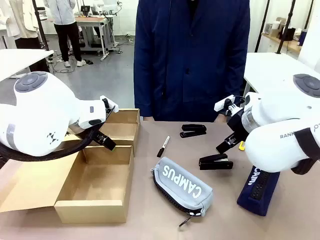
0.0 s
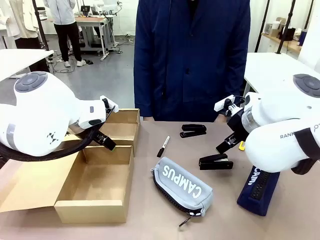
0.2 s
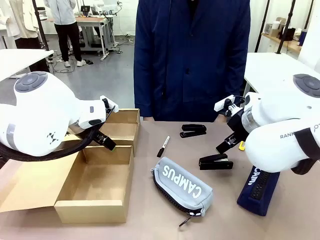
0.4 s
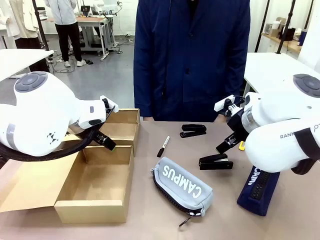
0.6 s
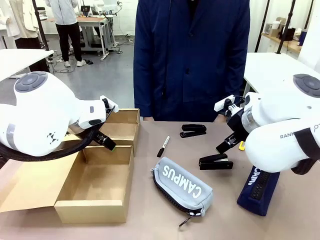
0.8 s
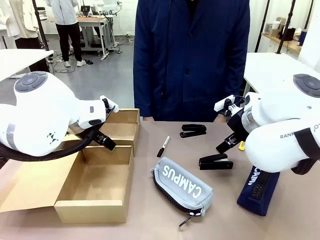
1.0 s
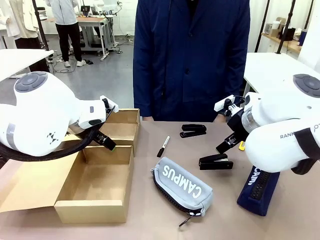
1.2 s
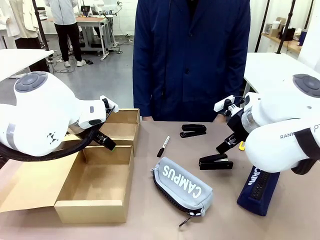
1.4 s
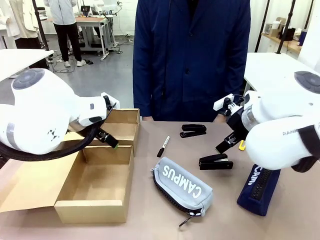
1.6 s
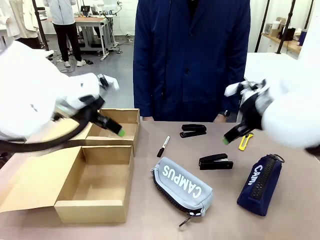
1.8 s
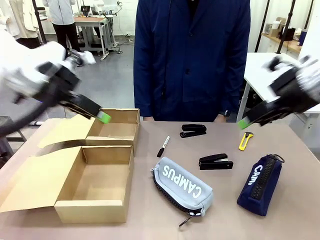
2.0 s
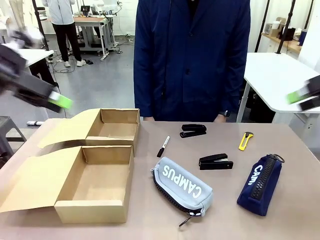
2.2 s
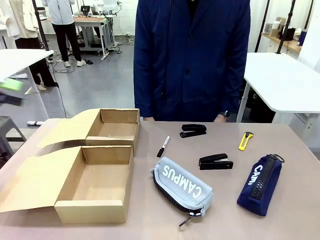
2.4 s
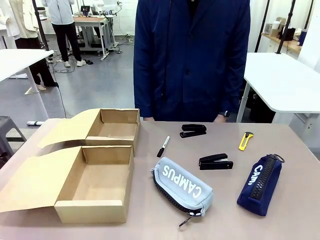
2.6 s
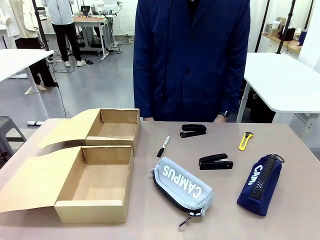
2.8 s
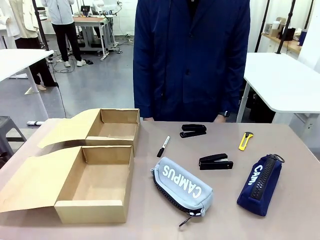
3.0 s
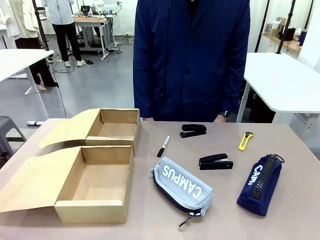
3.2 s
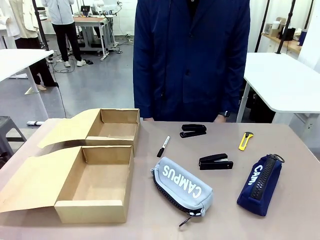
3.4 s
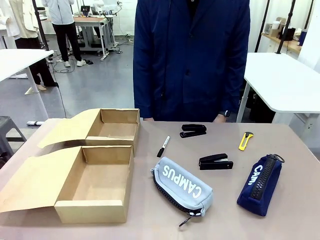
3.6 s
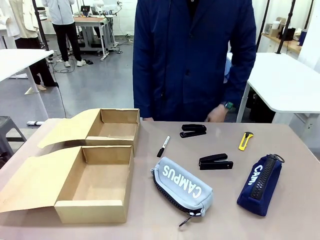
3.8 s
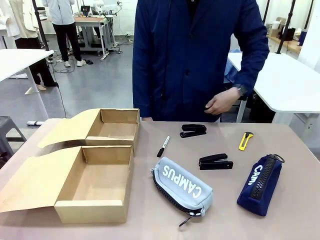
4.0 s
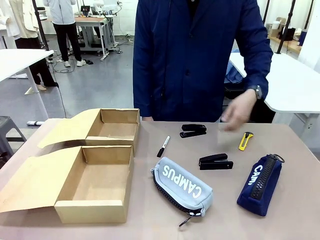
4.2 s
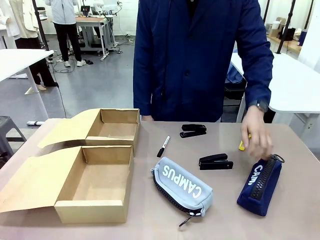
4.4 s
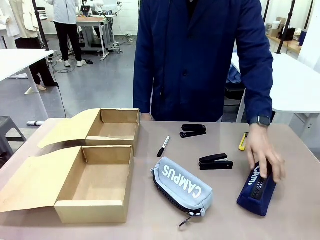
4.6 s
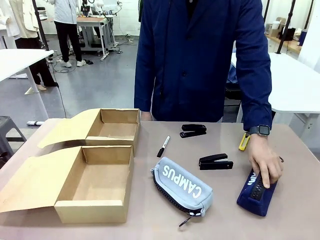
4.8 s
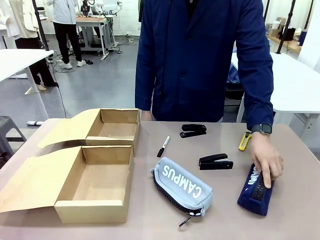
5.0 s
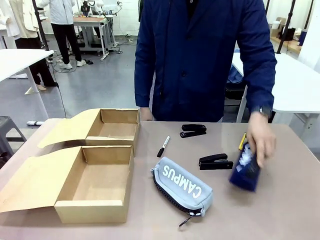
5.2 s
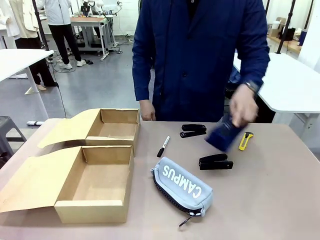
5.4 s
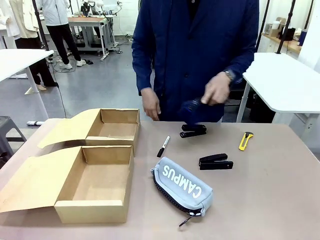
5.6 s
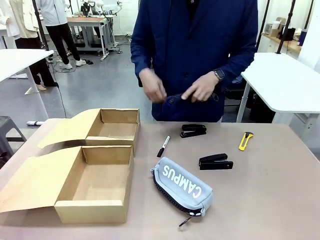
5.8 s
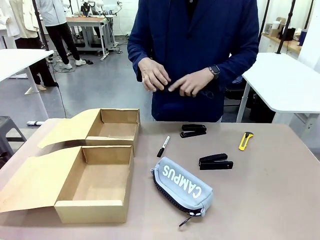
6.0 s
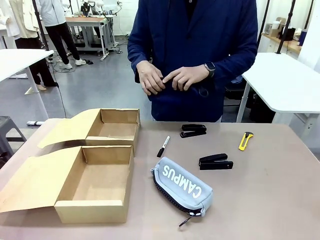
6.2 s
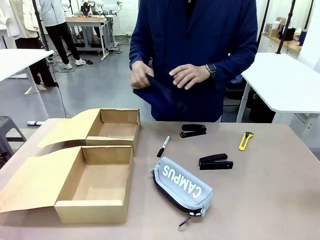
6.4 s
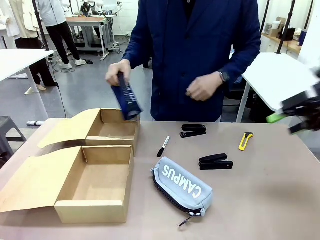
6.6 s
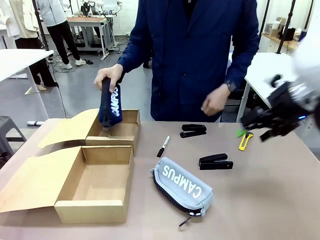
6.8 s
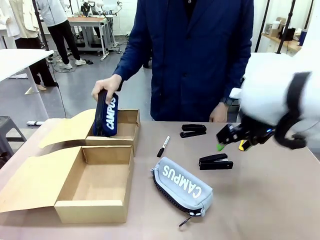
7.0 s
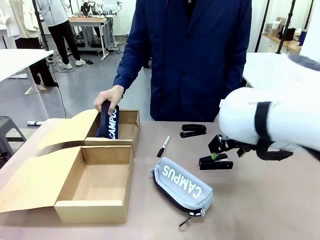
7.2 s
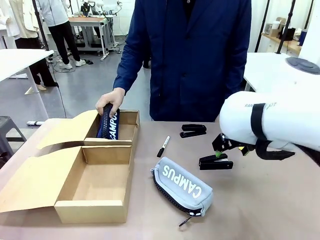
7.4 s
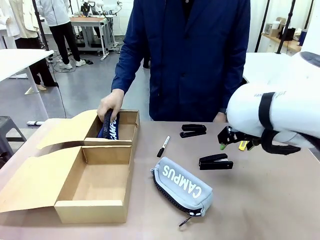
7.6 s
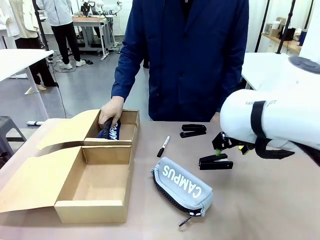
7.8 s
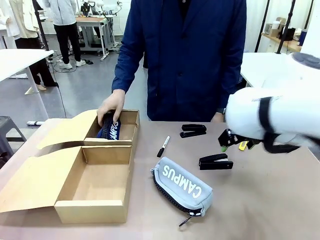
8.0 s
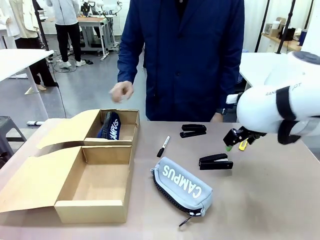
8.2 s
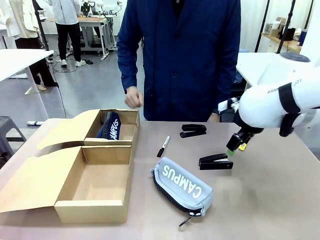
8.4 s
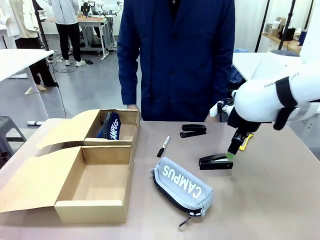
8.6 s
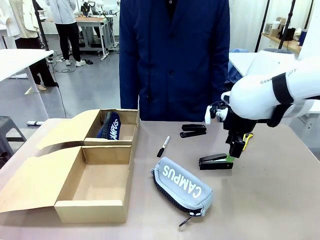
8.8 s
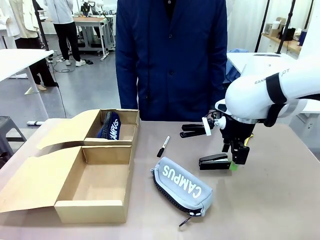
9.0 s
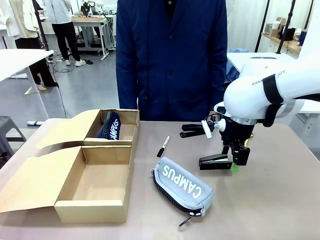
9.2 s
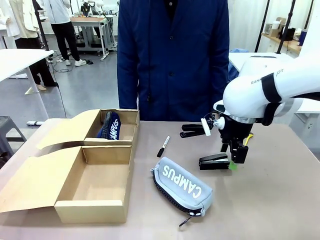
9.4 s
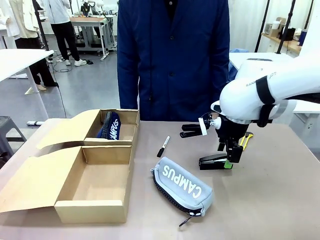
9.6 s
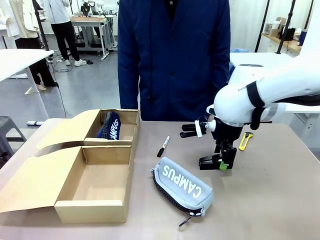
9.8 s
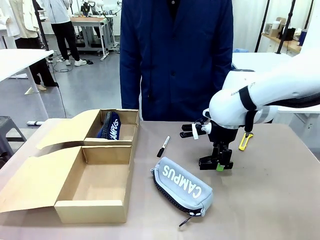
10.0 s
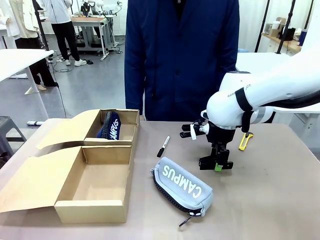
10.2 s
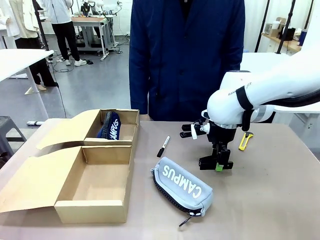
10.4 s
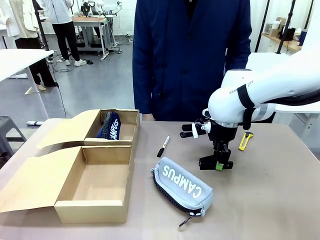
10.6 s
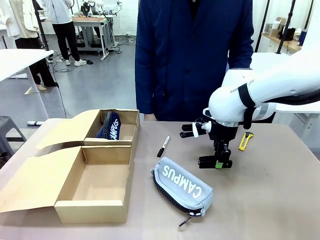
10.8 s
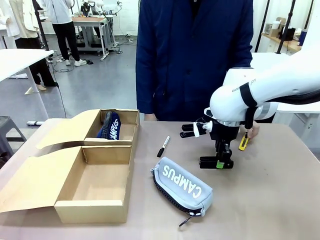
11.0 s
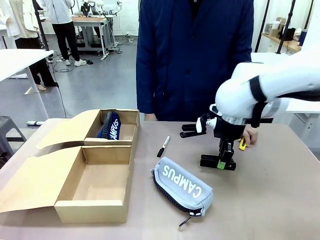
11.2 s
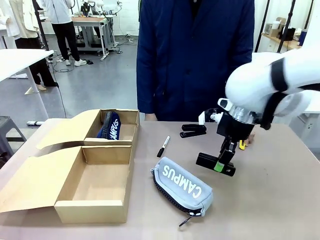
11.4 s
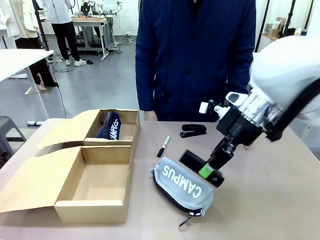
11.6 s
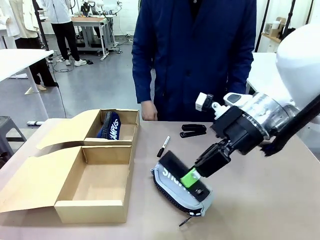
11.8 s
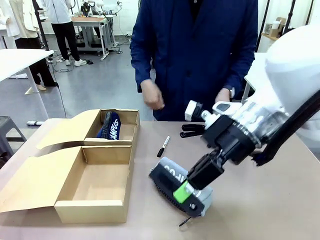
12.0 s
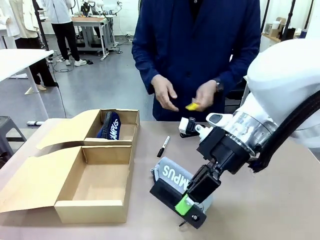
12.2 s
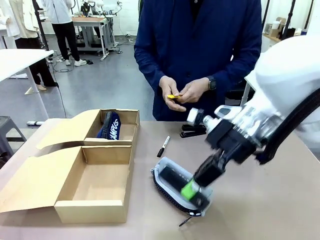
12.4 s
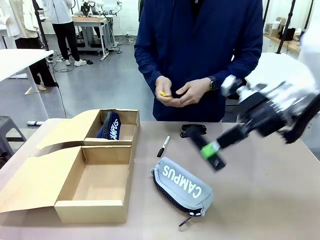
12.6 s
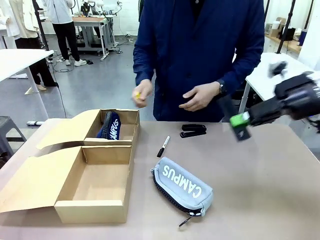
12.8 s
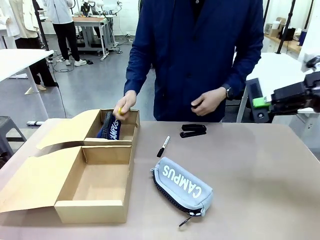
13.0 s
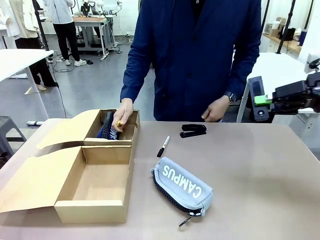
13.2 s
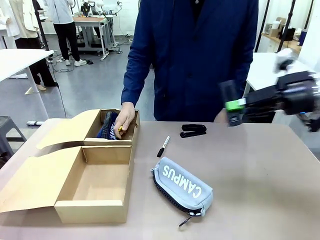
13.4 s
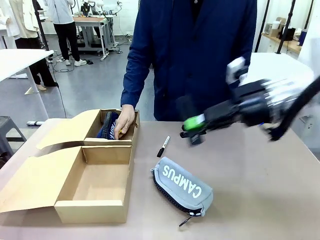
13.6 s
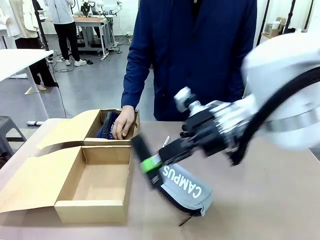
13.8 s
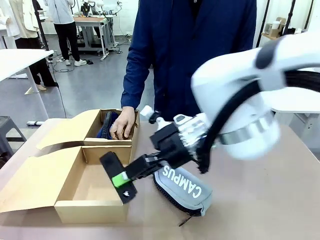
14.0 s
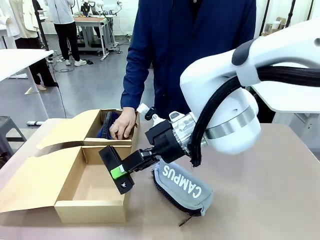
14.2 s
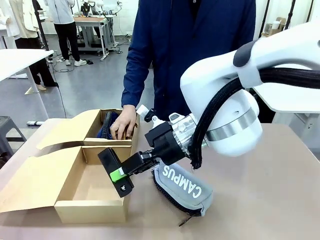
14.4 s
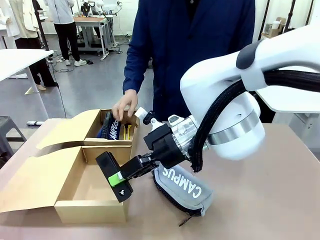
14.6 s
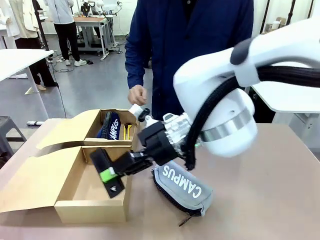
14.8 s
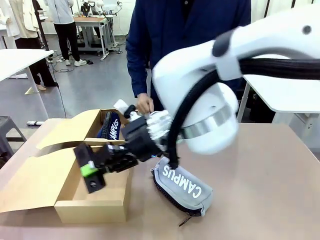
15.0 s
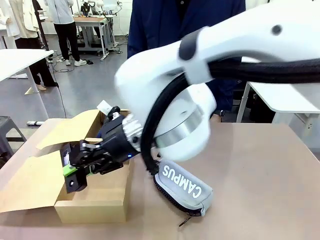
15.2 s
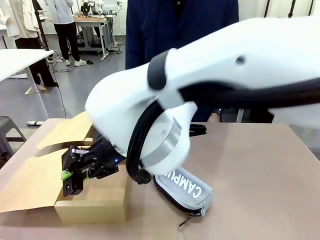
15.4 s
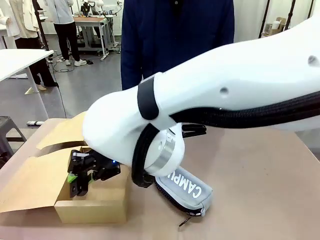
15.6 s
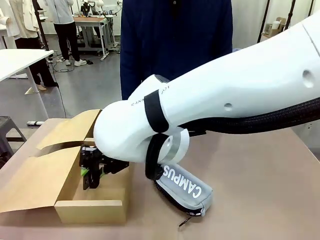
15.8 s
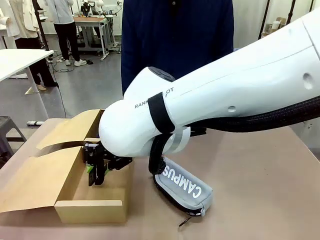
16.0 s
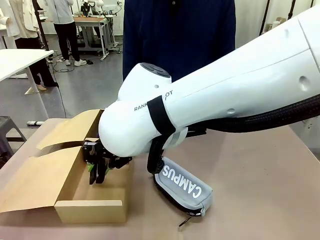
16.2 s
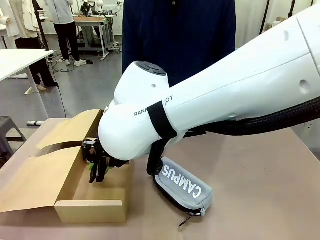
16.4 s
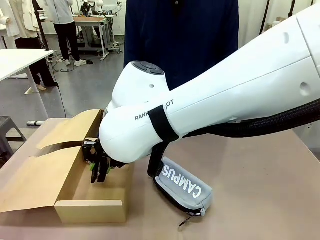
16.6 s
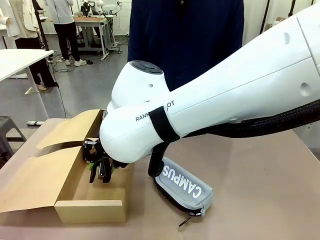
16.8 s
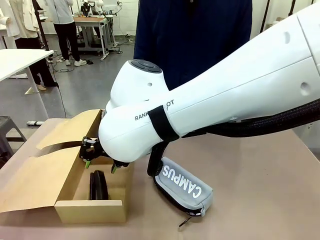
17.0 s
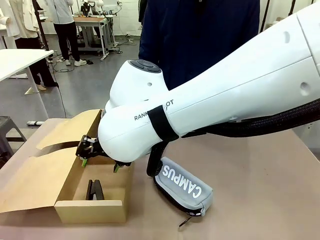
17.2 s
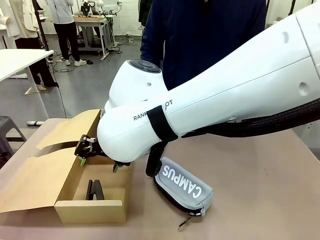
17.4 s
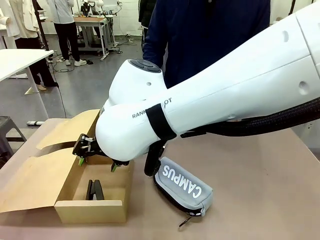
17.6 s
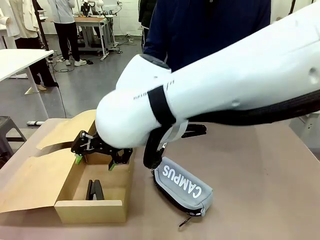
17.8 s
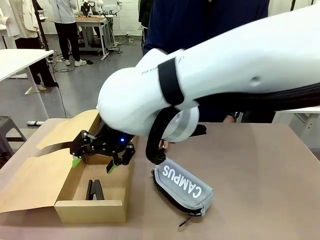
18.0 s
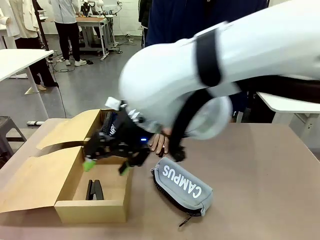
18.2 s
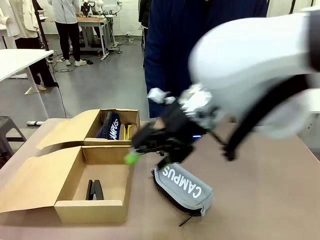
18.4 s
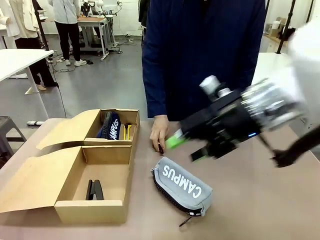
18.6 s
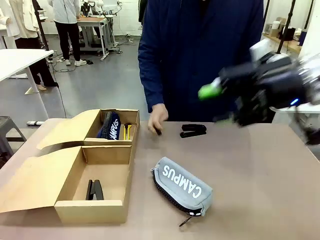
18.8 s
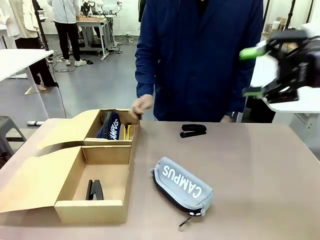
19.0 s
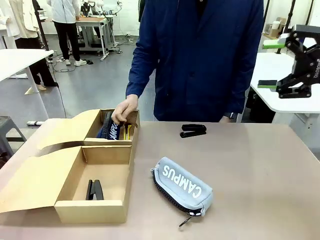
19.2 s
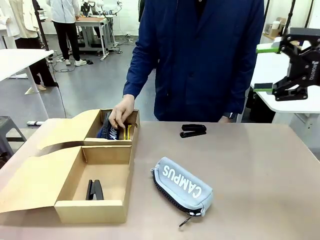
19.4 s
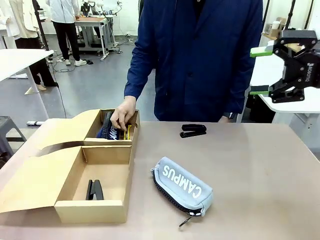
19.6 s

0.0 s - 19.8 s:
Task: Place items inside the box.
Robot: Pick up a Pencil pouch or Stapler and place it inside the Mailer Box closest to the robot.
Person: Pick up an object on the table and put it in the box.
